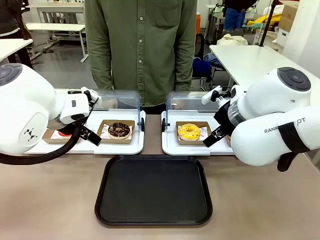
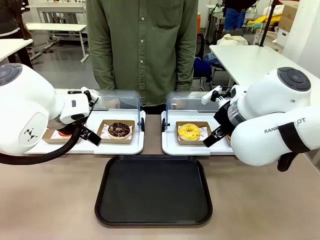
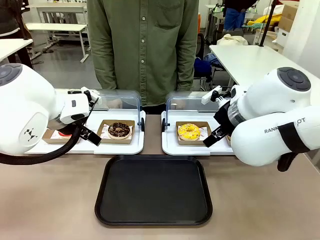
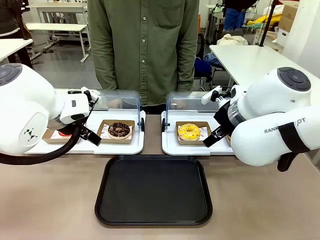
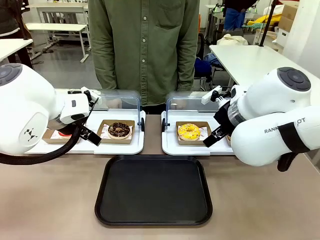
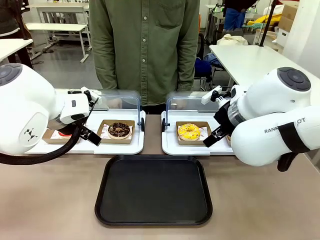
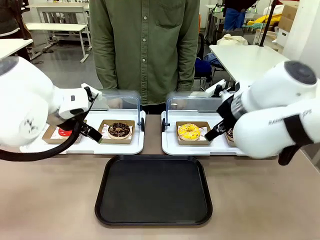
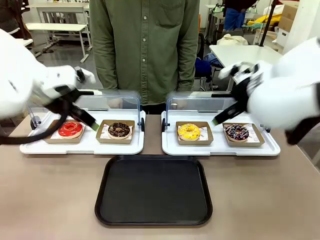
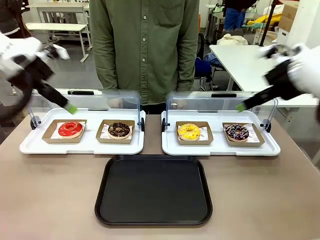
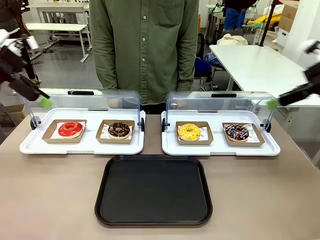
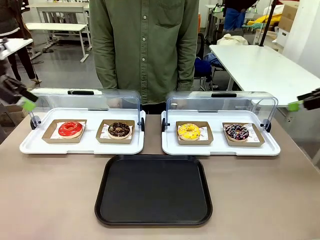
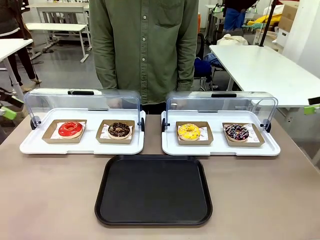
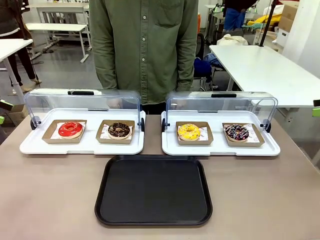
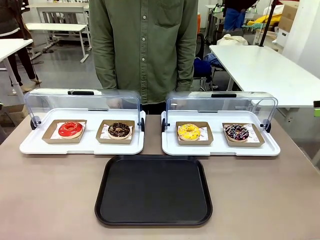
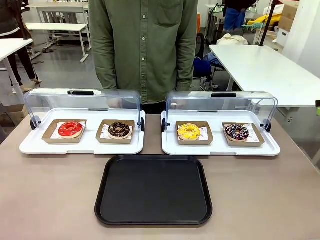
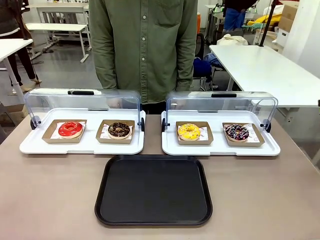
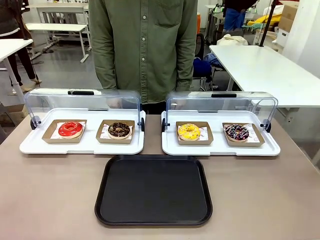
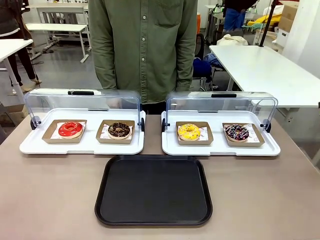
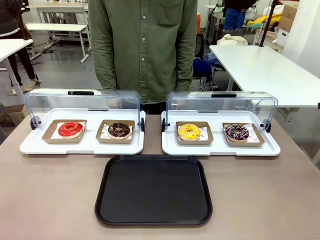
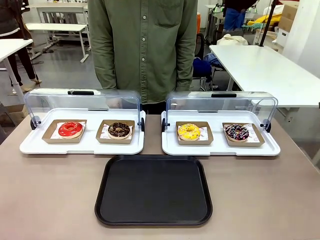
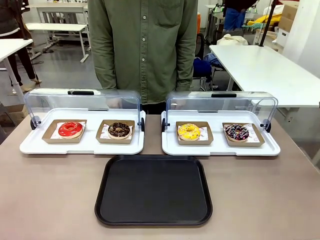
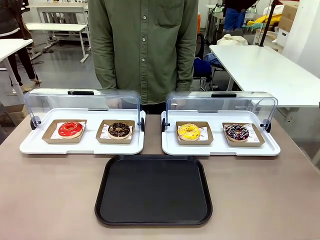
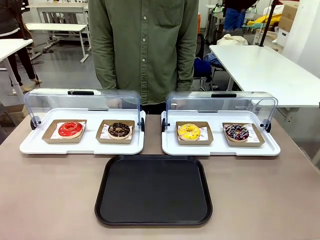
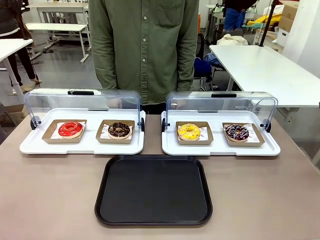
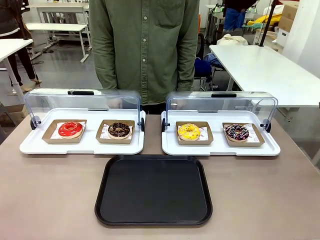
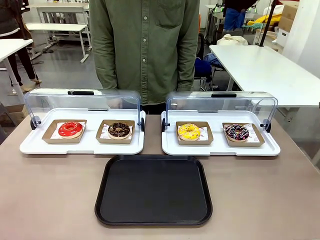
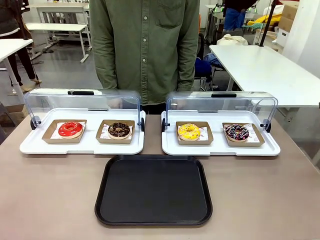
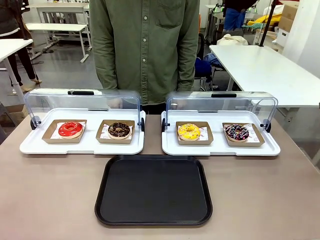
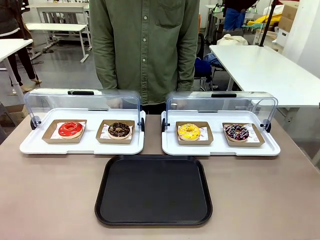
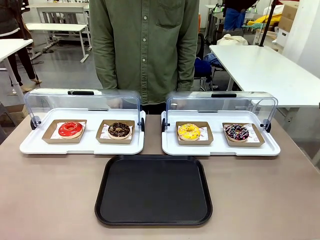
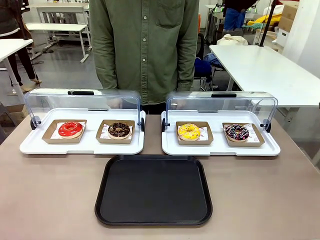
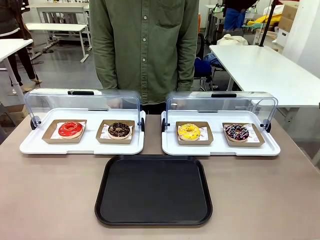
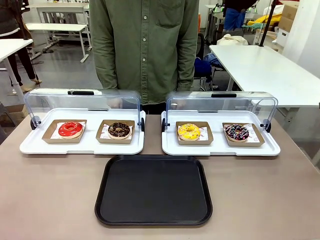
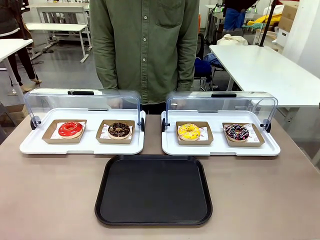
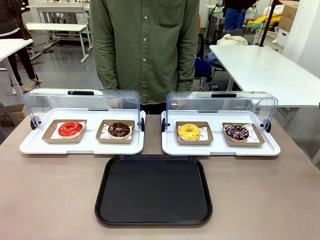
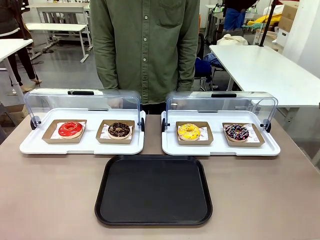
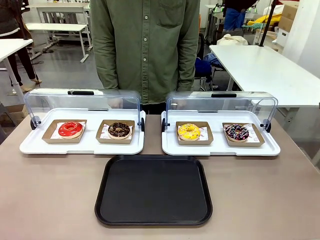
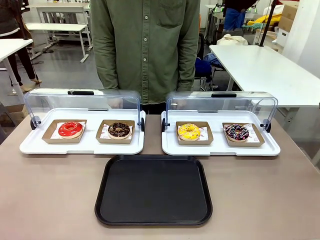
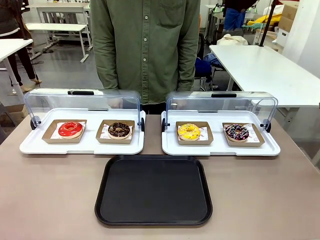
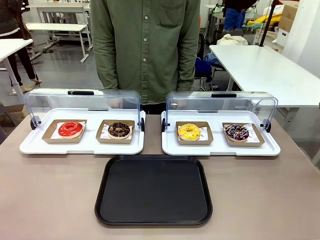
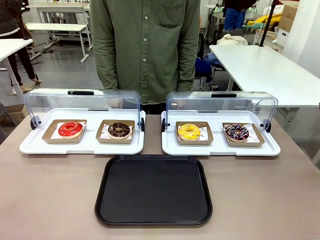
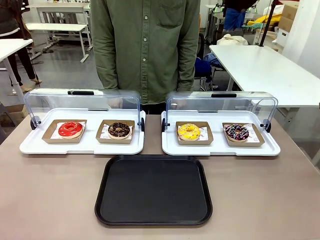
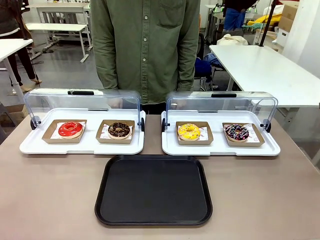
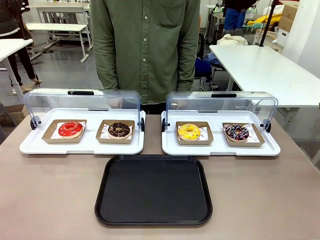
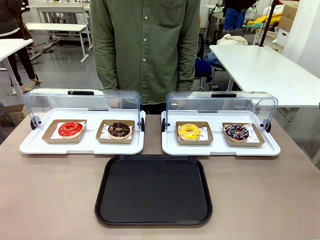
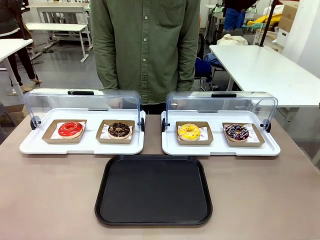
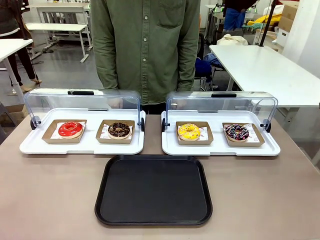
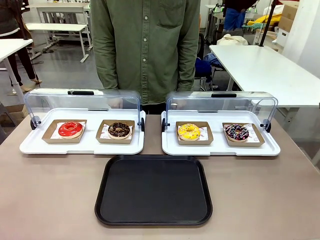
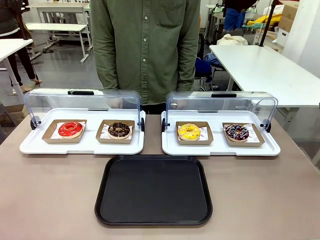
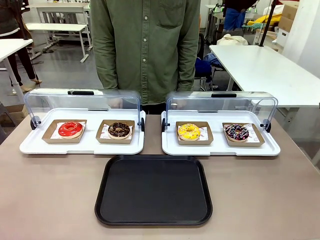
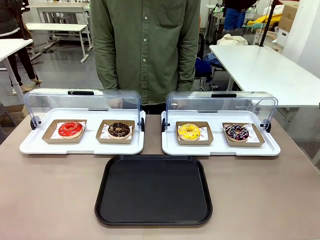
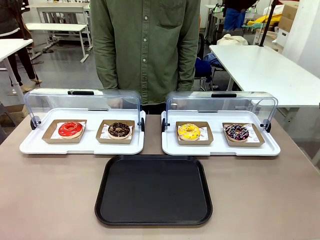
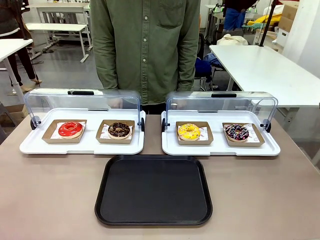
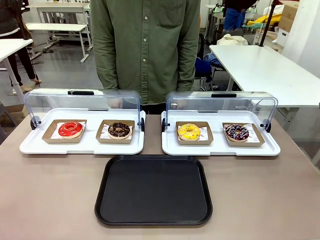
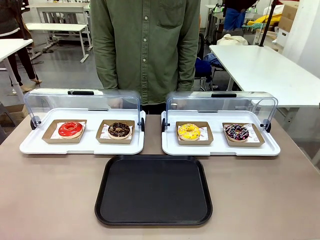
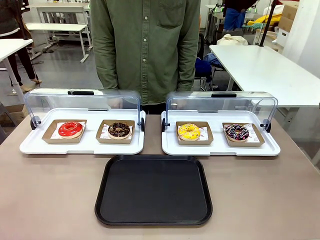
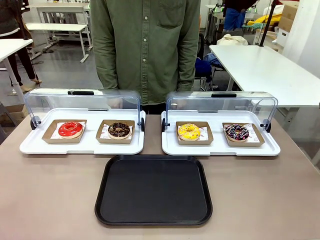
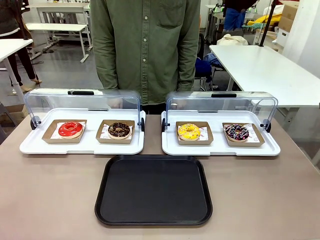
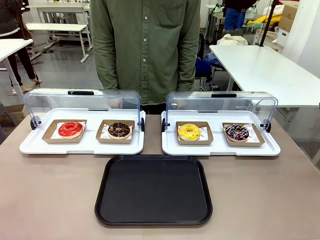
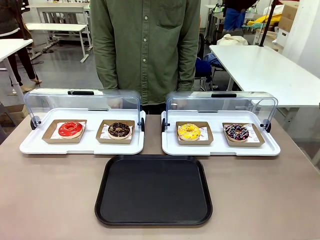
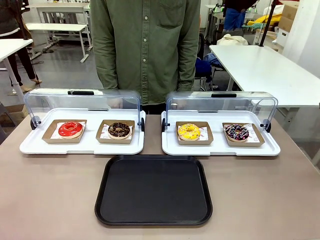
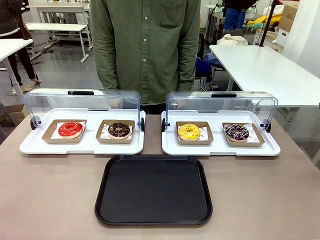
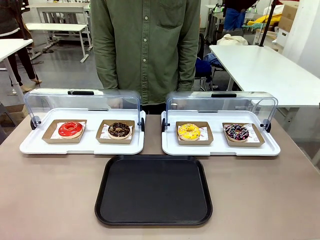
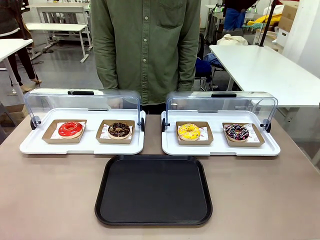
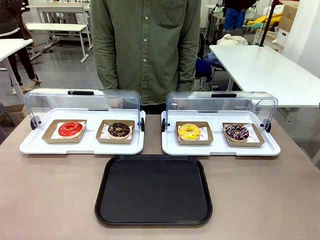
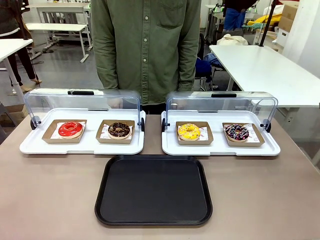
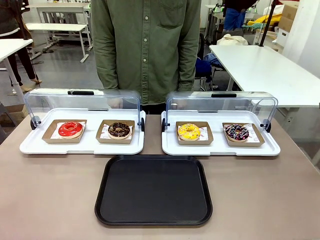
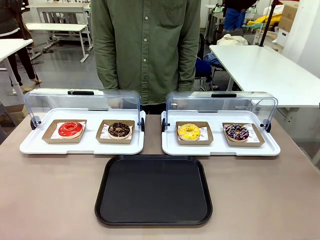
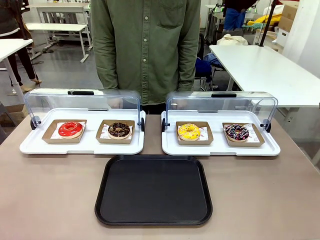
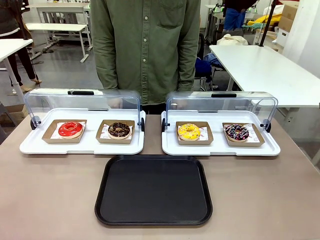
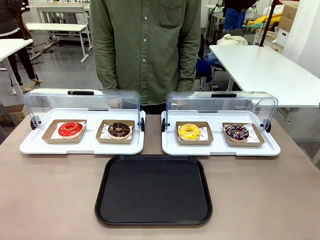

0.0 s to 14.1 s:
Task: Move the third donut from the left to the tray.
Robot: Pick up the Paper togo box containing the Donut indicated by the person and place it on the Handle tray.
